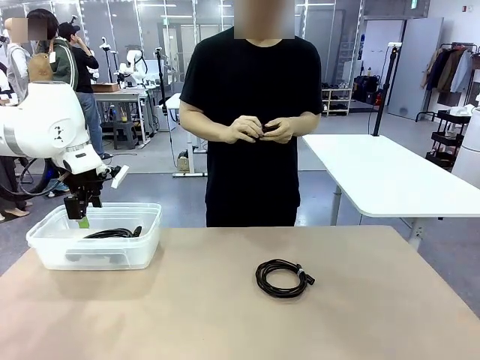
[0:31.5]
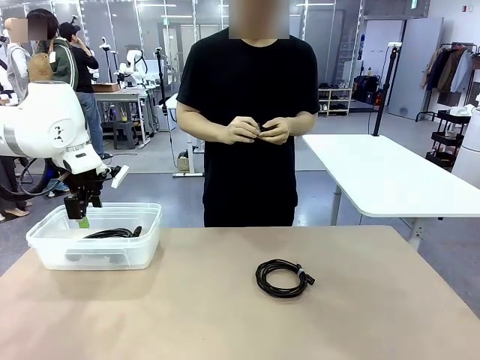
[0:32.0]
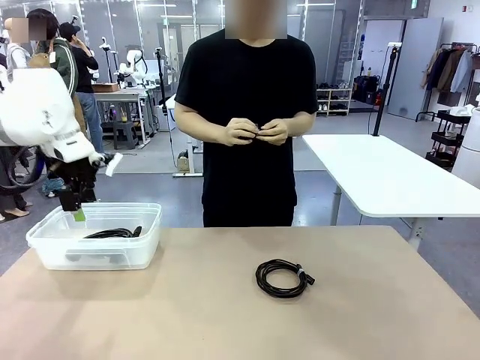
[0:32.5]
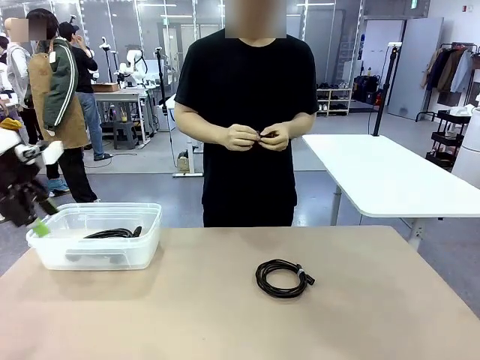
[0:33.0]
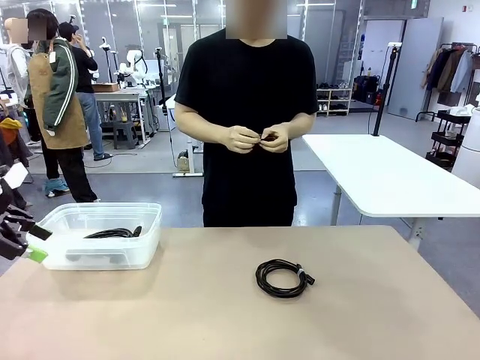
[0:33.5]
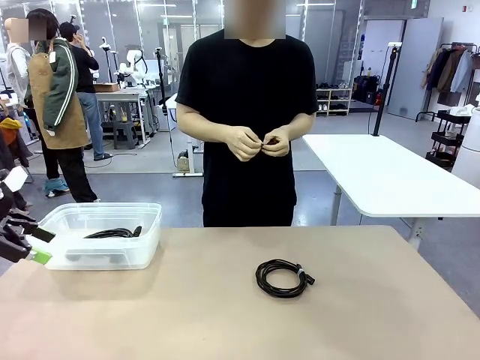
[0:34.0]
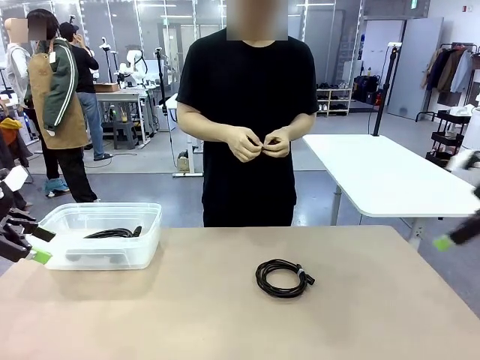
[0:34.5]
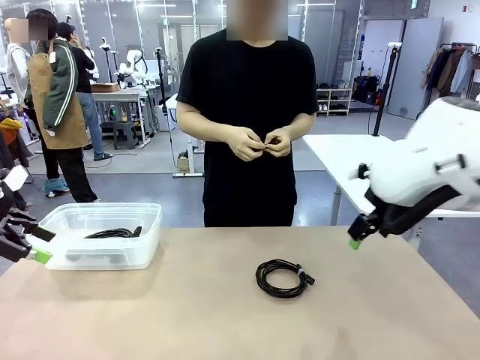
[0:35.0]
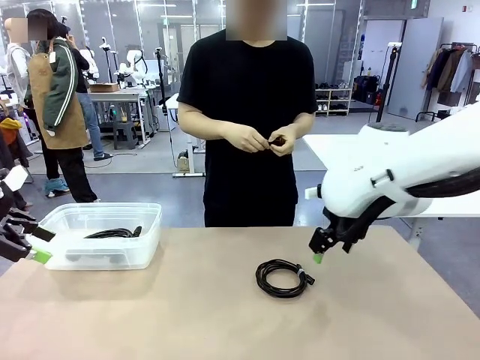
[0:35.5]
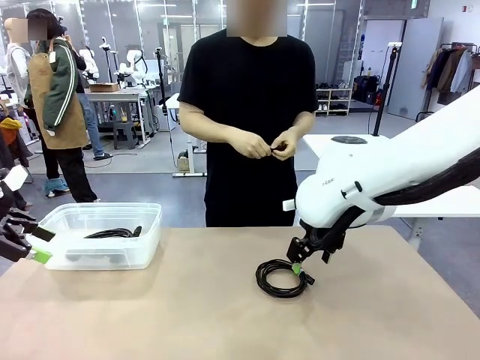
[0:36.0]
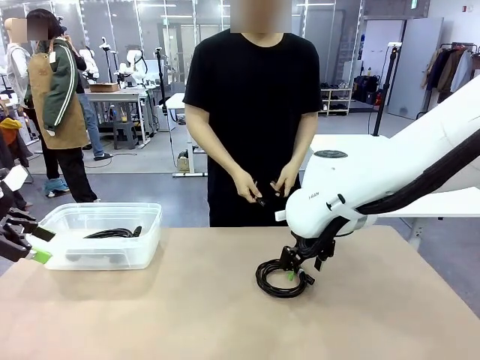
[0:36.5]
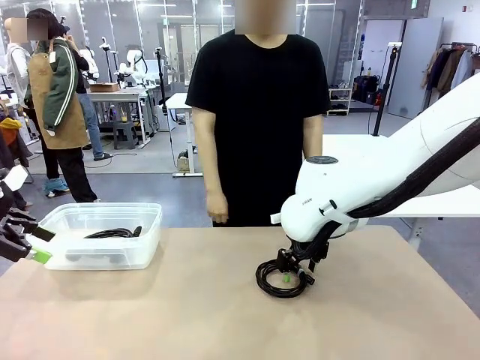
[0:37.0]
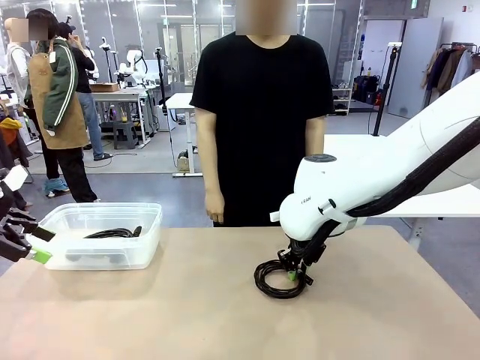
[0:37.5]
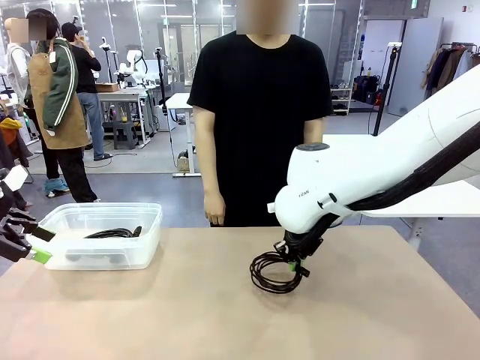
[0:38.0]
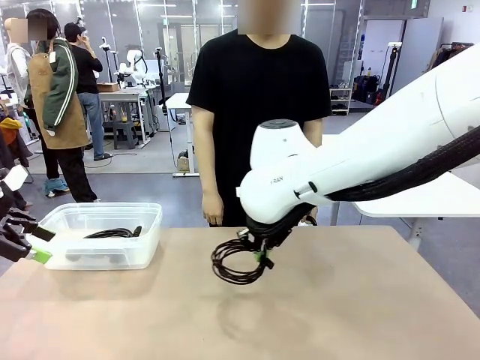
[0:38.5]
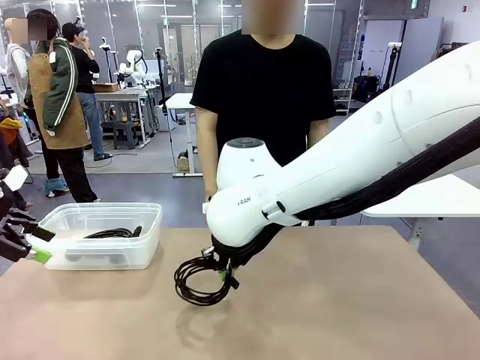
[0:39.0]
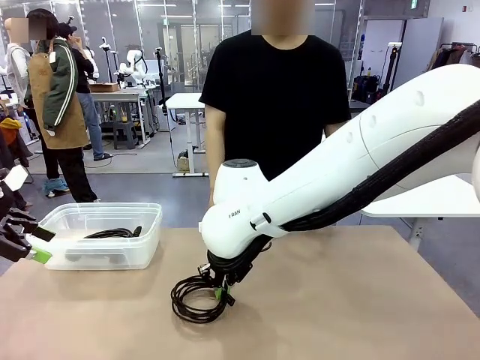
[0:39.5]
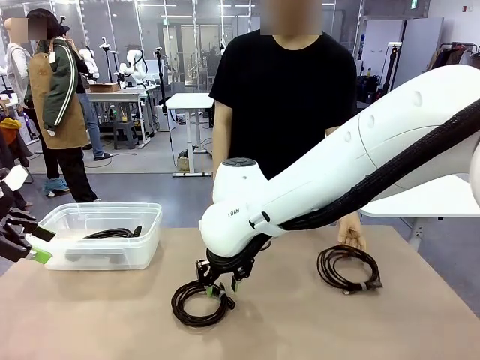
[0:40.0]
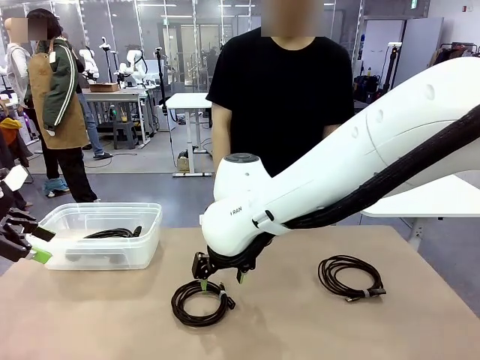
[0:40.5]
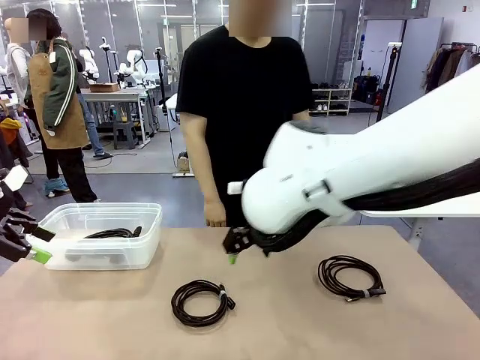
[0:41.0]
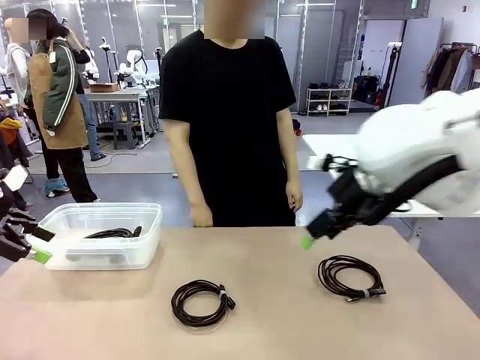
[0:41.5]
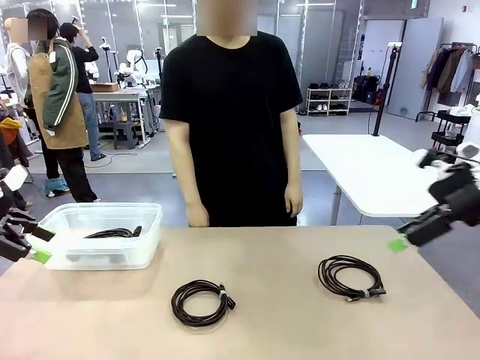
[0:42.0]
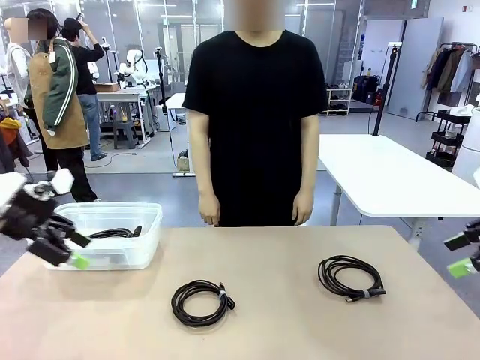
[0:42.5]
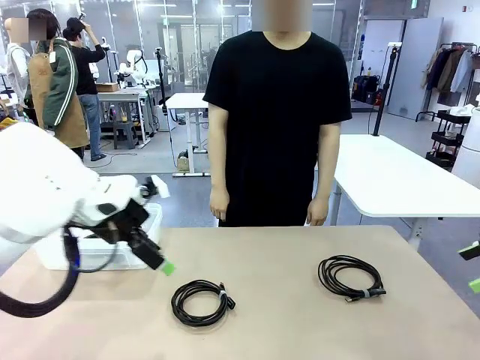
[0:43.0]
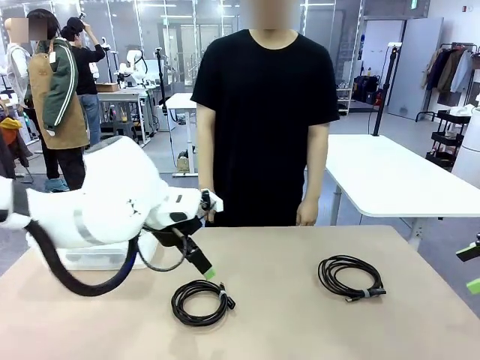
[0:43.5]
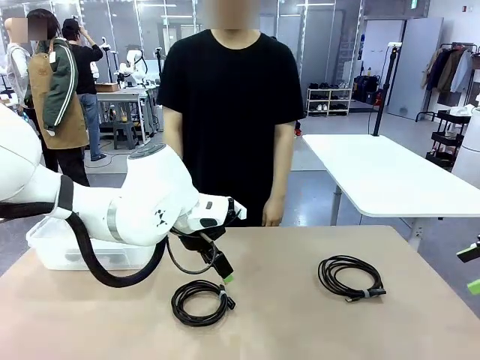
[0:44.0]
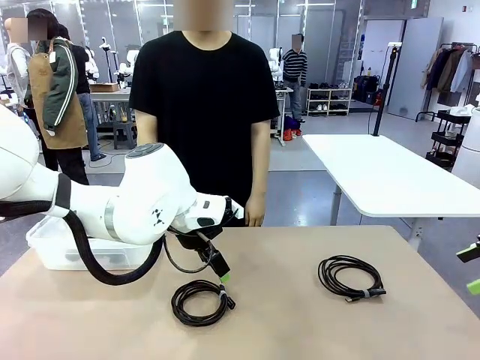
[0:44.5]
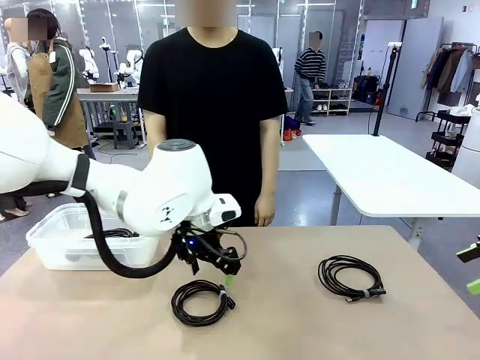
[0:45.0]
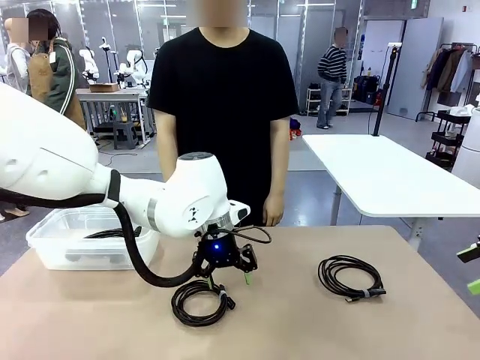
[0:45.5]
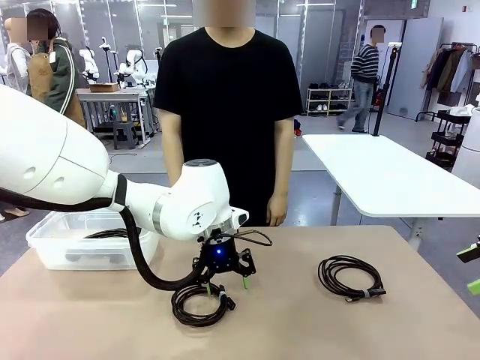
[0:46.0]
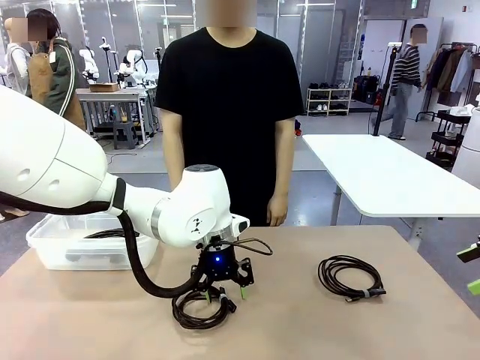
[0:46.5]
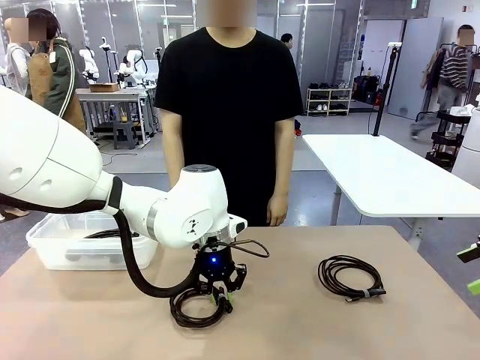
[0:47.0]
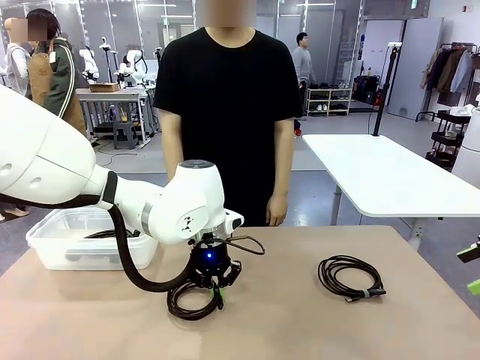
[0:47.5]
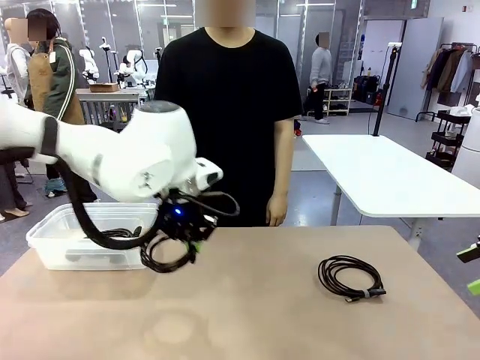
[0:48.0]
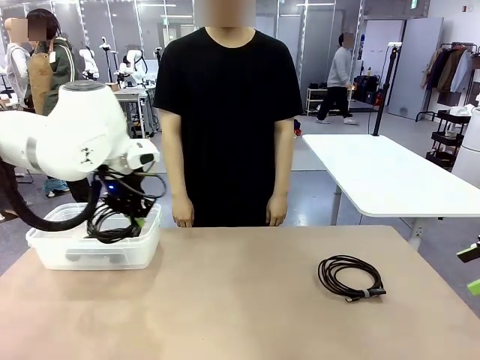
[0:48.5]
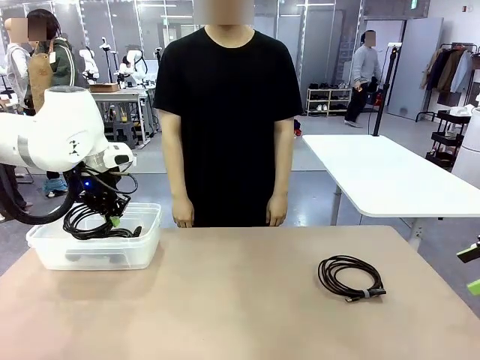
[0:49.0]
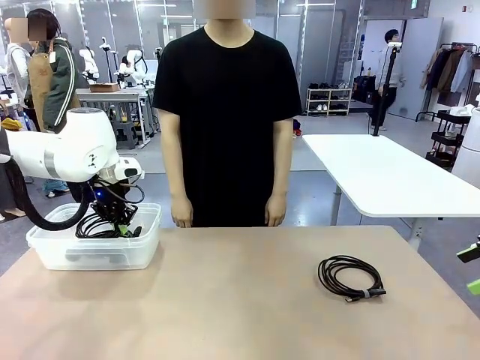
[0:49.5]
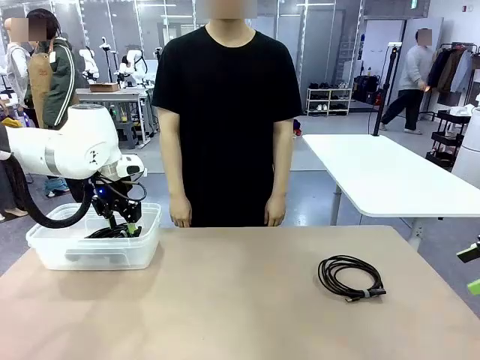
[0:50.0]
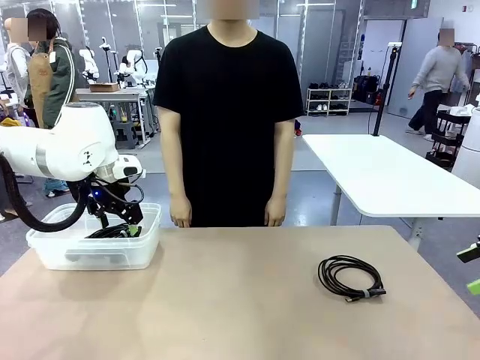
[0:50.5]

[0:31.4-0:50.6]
Task: Organize and store the cables.
Robot: Place the USB Extension Cable into the Organizing box.
